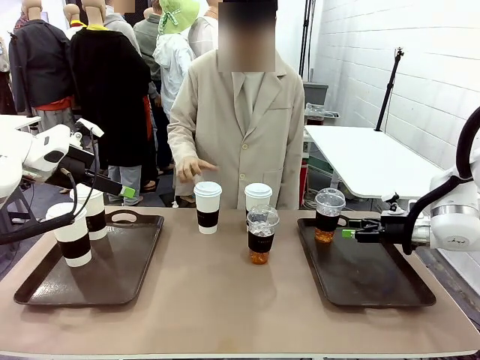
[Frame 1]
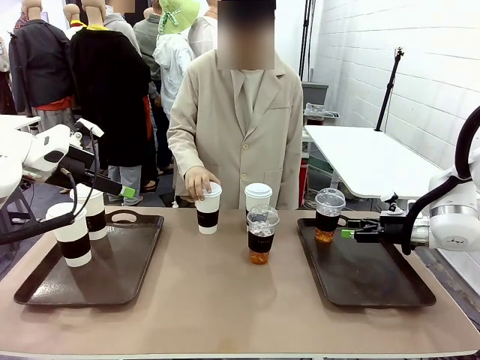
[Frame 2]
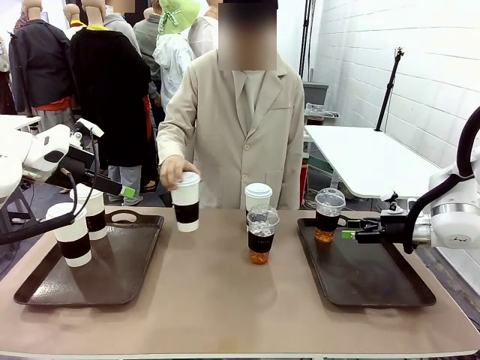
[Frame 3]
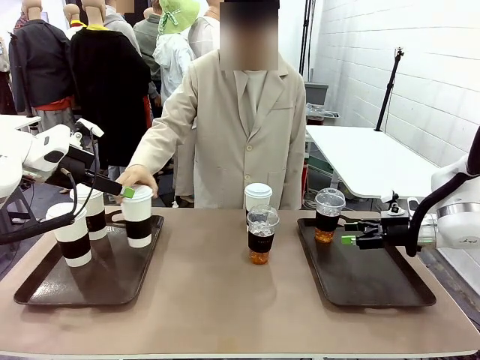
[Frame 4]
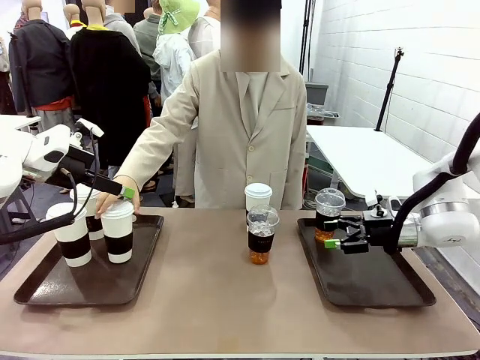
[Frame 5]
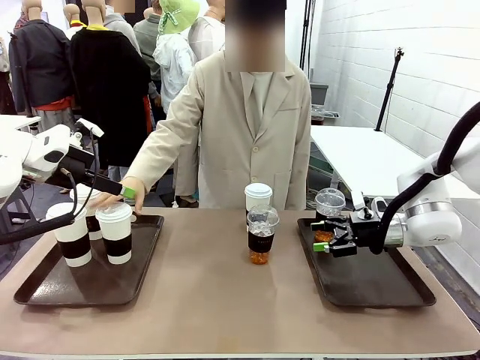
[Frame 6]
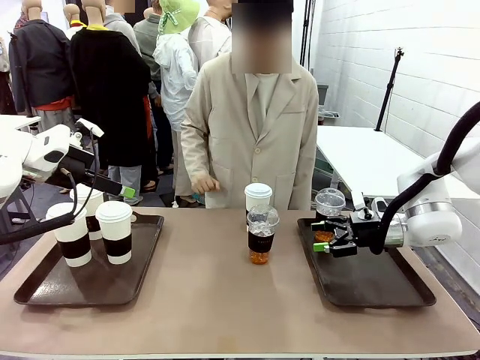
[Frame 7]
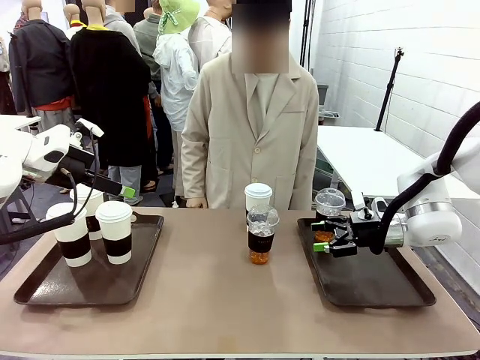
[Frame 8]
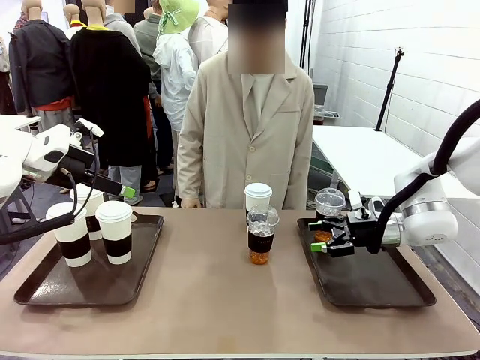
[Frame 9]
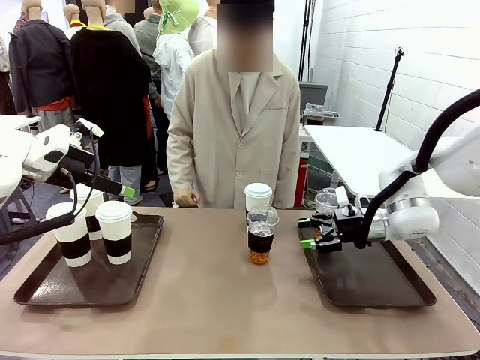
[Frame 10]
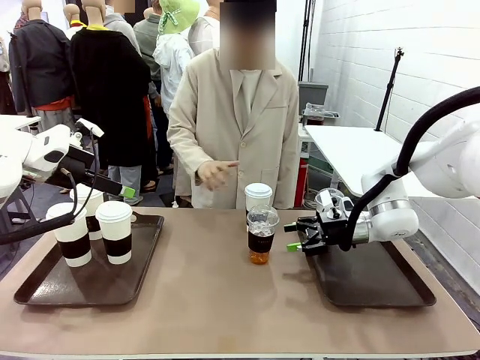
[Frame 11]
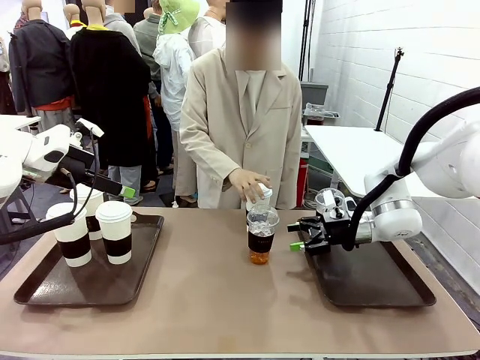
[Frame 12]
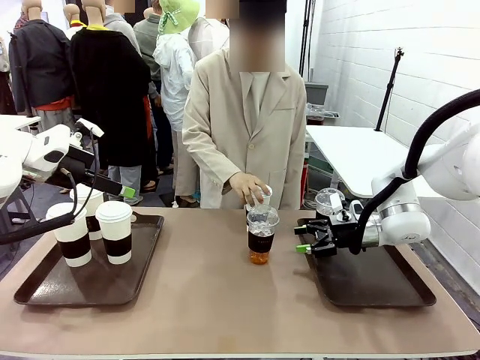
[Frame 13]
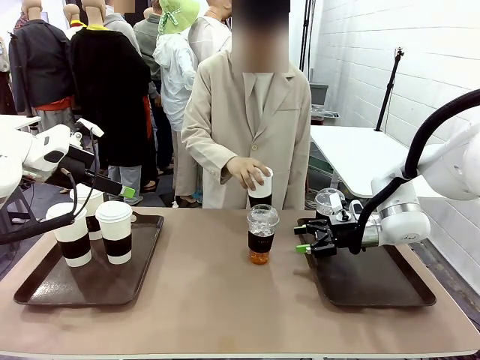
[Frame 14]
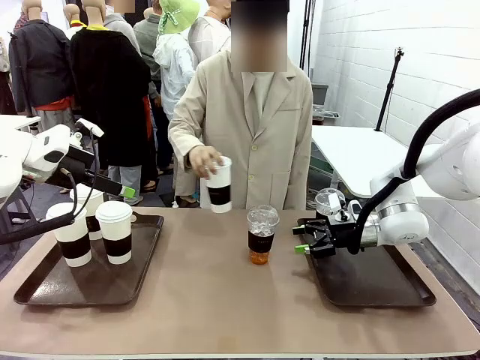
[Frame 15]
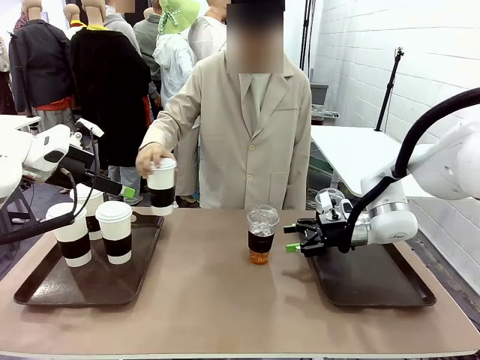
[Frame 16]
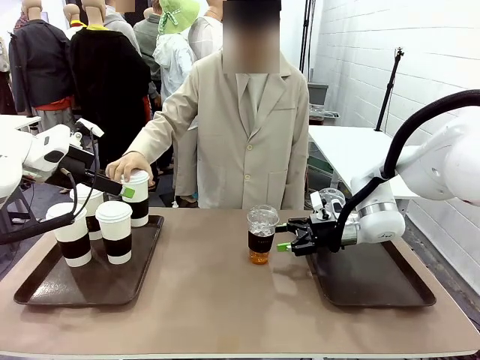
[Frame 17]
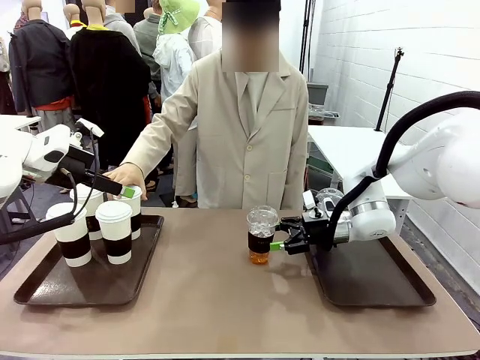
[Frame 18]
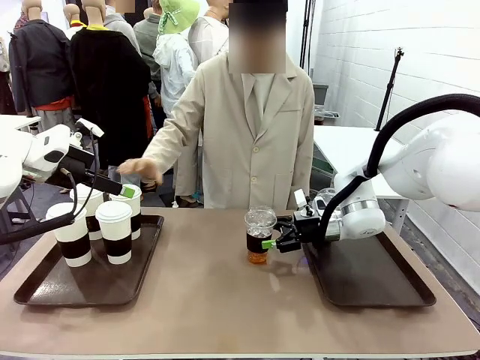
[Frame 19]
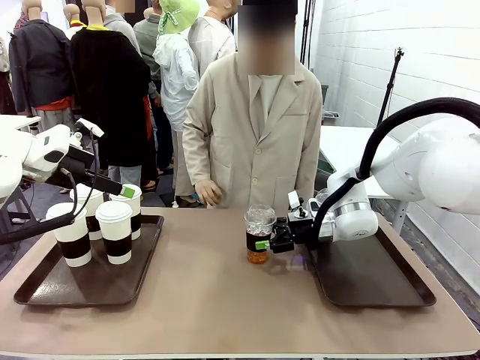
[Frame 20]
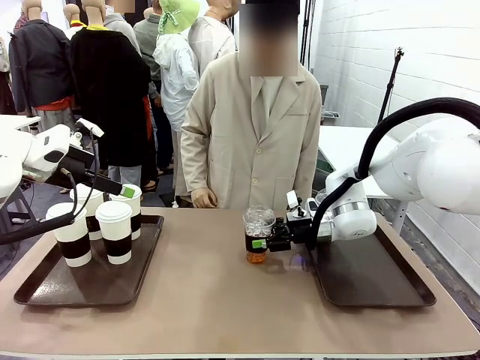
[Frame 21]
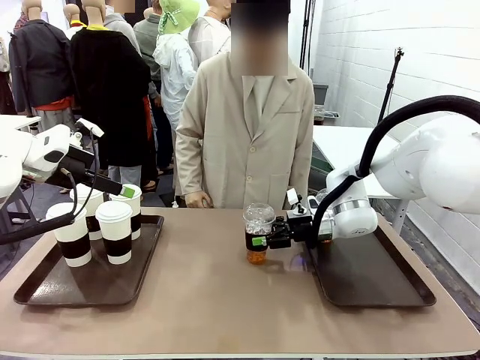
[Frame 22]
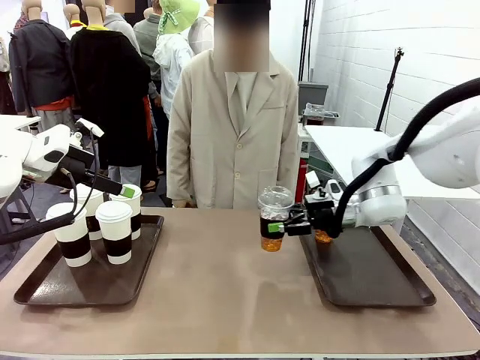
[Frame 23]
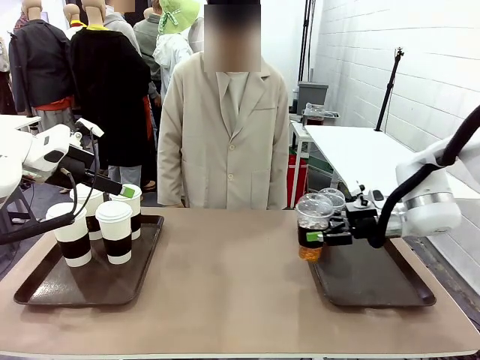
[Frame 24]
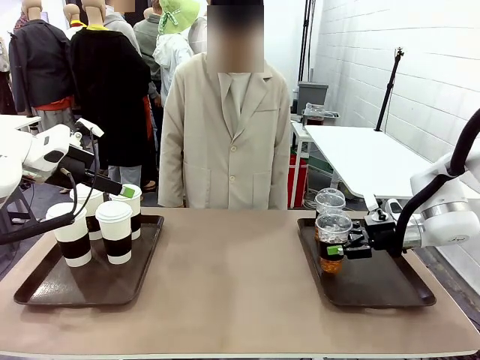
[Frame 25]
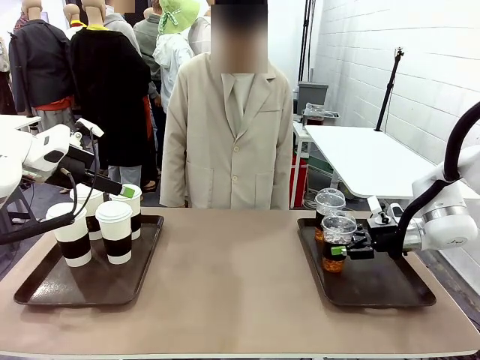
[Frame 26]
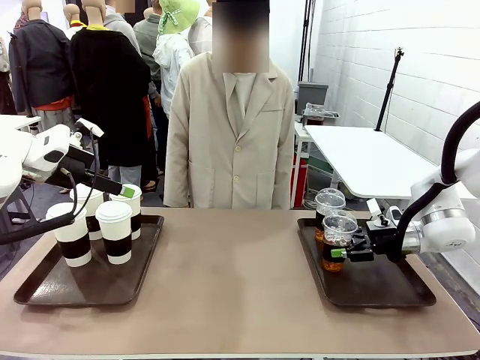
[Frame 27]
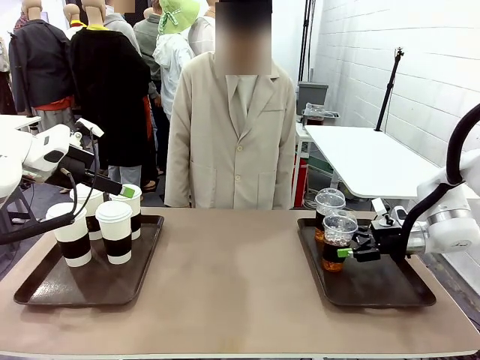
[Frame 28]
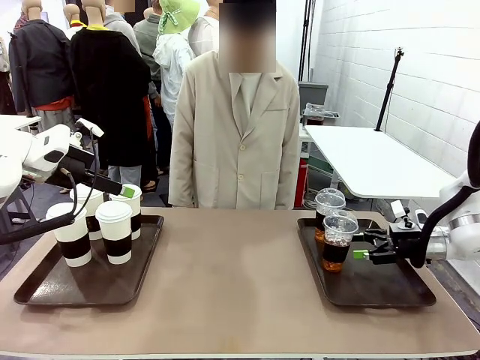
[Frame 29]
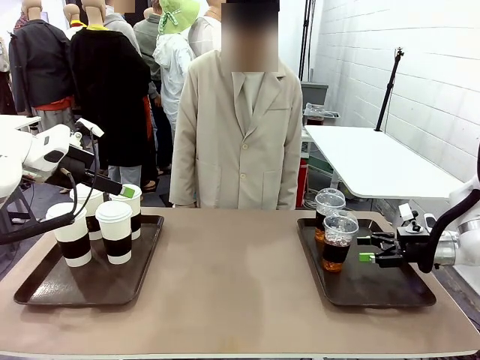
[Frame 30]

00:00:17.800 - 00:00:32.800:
Task: Distribute the coffee onto the tray.
Robot: Pick up another iced Americano from the middle of the table and place it on the right Handle tray.
Person: Pick up a cup of hot Americano from the middle of the table and place it on the right tray.

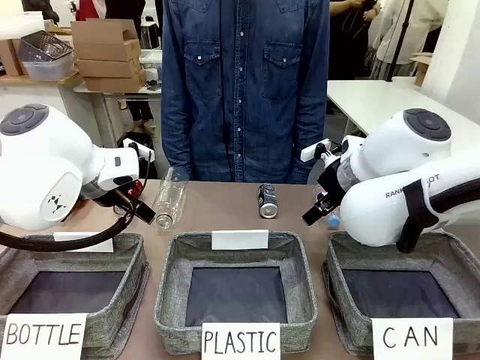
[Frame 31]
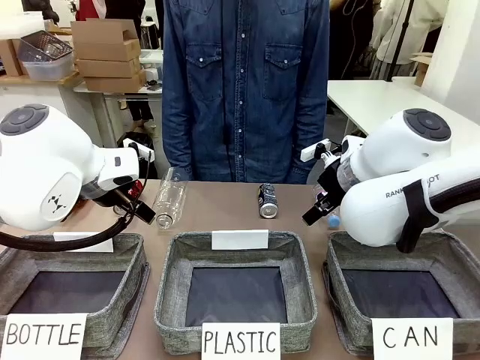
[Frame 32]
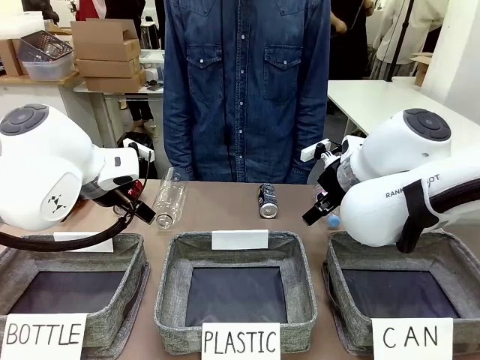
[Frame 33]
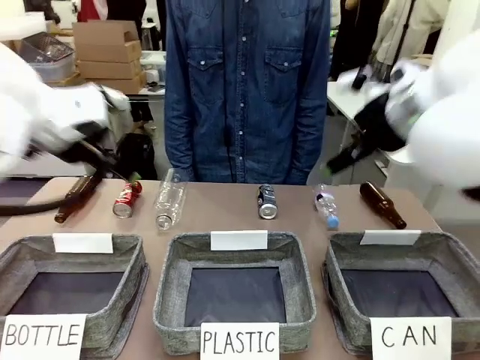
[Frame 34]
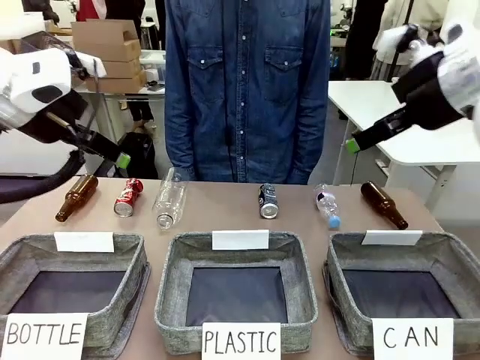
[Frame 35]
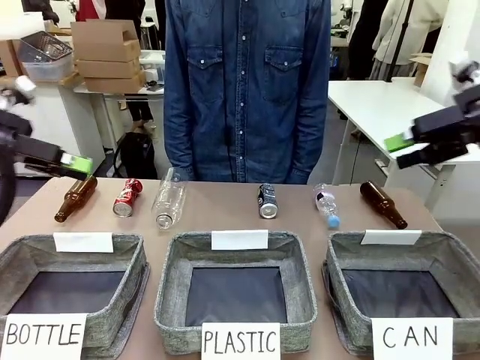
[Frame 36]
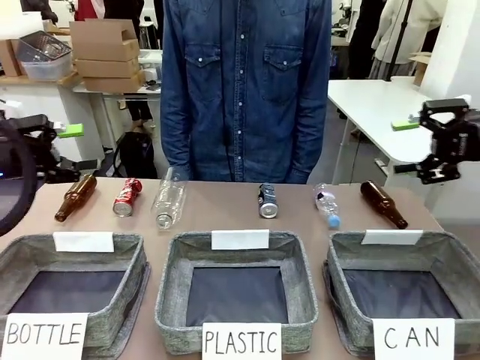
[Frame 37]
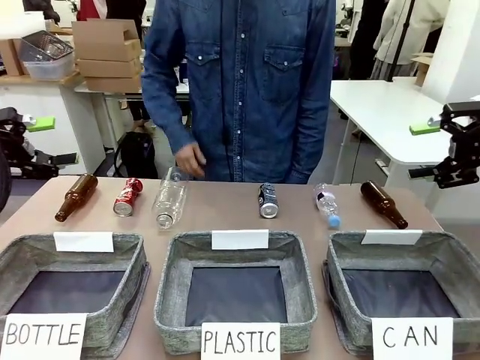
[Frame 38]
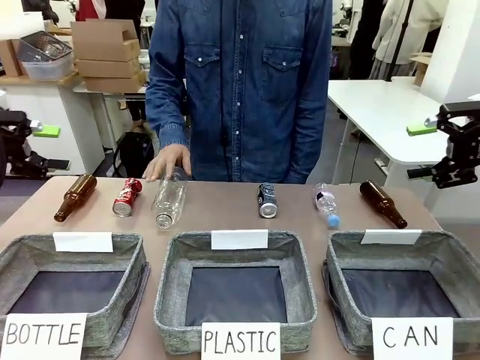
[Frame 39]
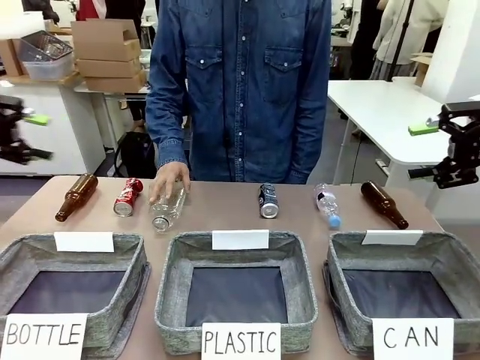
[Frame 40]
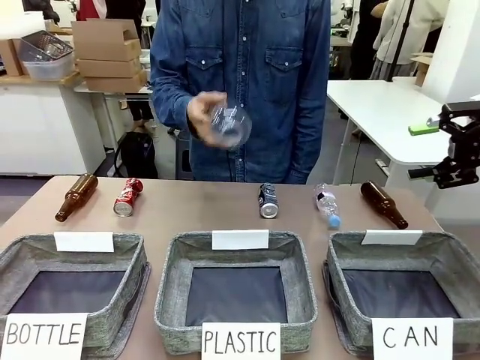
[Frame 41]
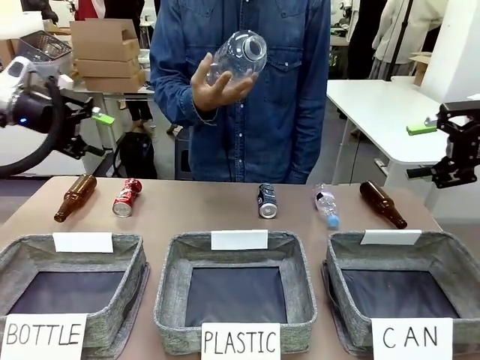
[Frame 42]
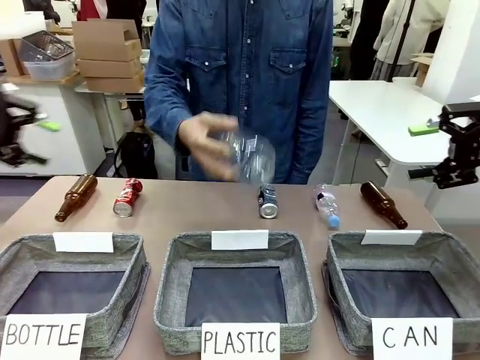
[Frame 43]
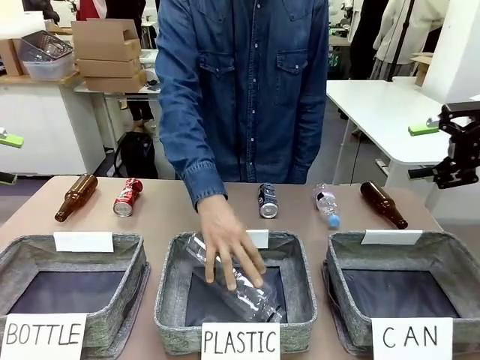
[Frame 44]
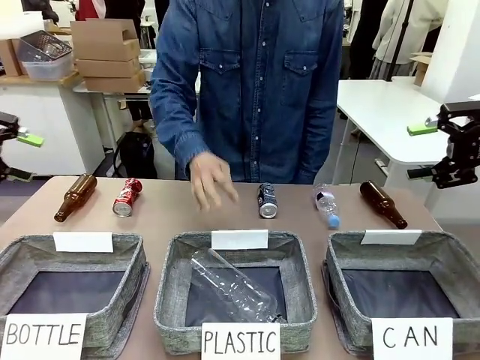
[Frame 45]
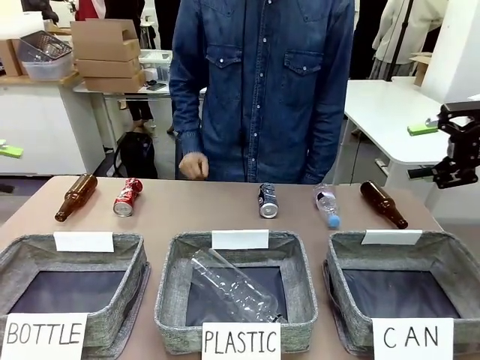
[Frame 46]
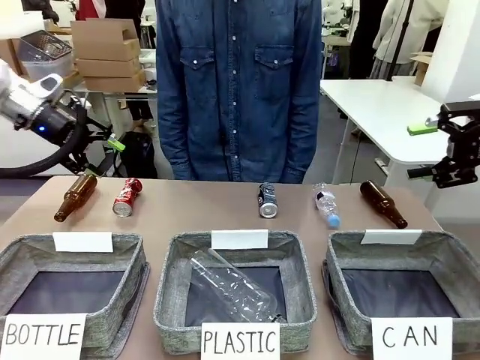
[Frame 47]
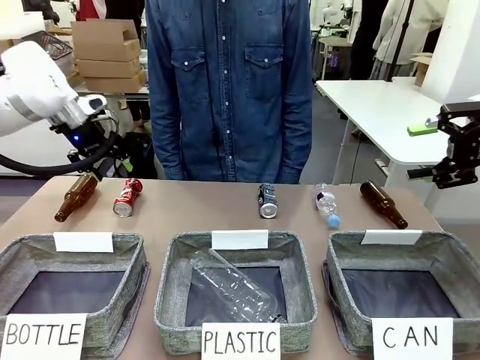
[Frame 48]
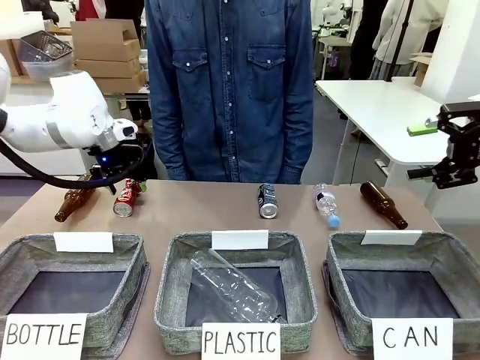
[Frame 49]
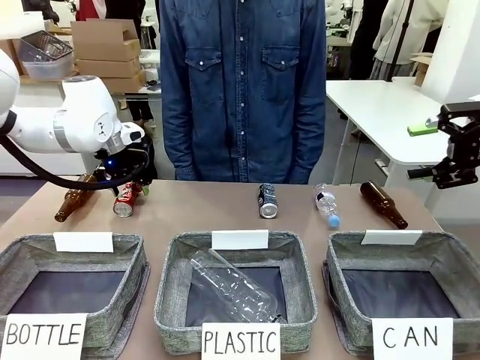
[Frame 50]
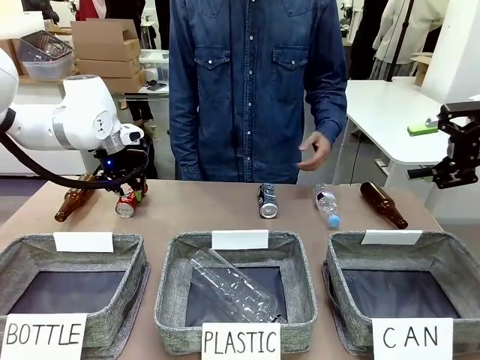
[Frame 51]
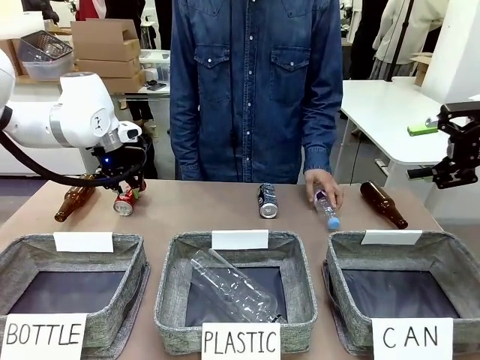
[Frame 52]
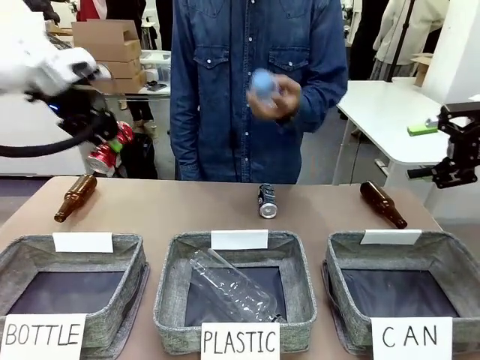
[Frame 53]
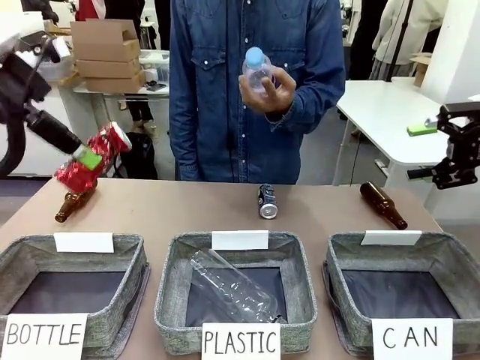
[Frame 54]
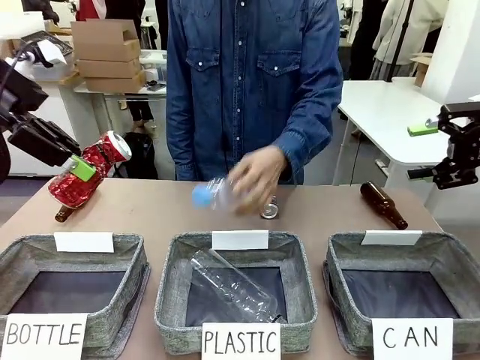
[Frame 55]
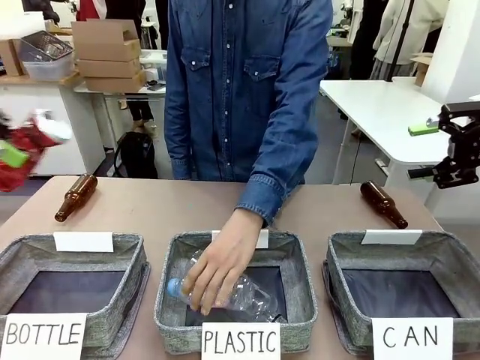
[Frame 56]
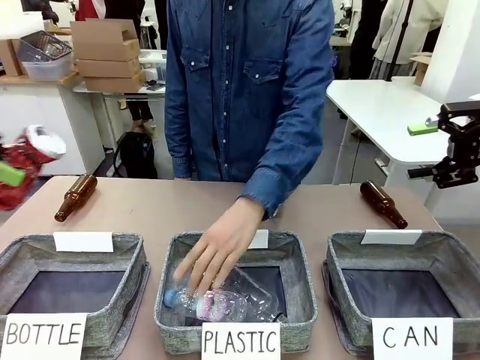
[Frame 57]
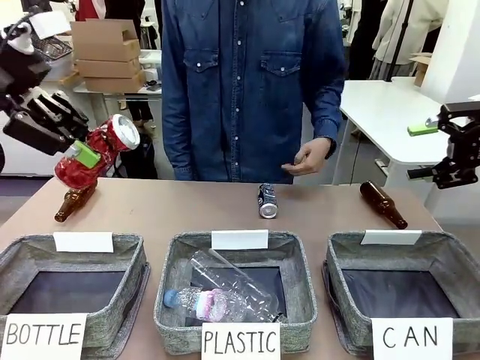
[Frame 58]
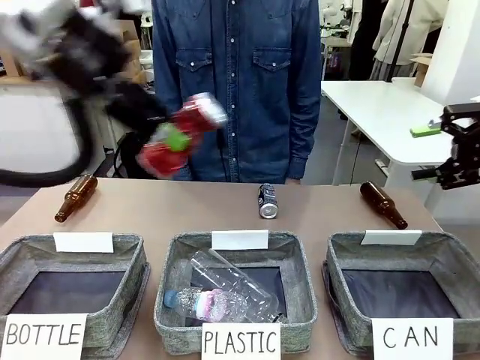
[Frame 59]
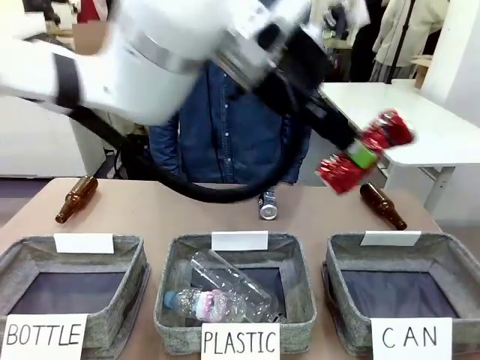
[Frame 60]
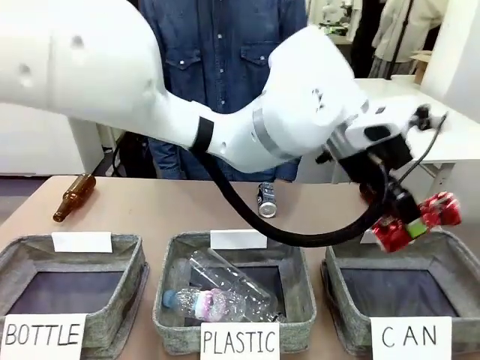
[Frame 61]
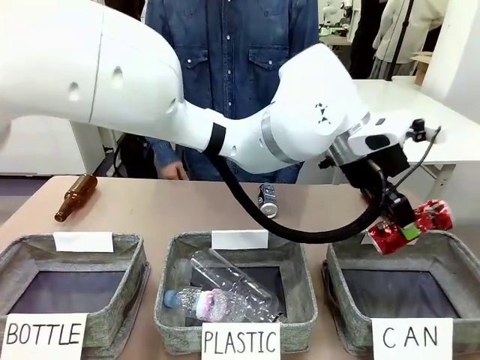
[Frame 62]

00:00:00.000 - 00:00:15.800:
Task: Sort the can waste into the basket.
Robot: Pick up the can waste from the table and place it in the right Fabric basket.
